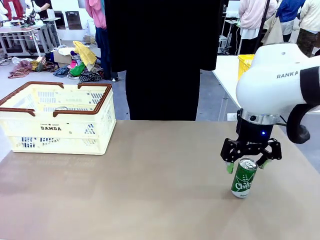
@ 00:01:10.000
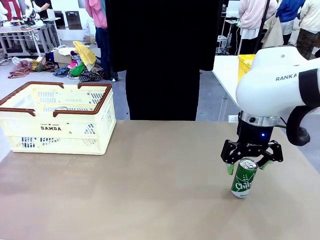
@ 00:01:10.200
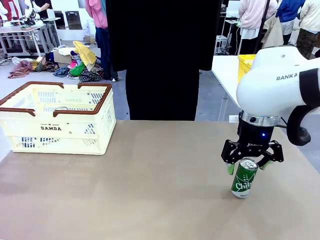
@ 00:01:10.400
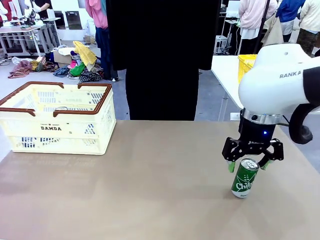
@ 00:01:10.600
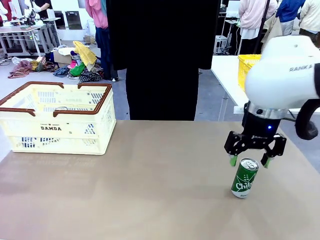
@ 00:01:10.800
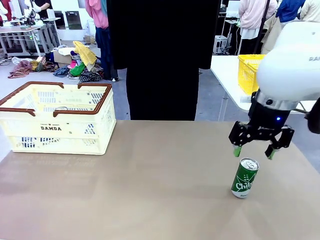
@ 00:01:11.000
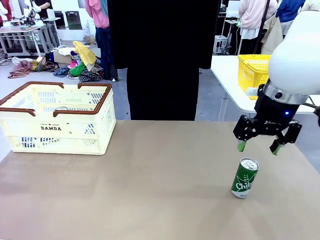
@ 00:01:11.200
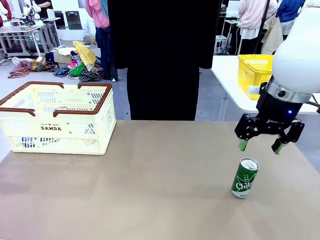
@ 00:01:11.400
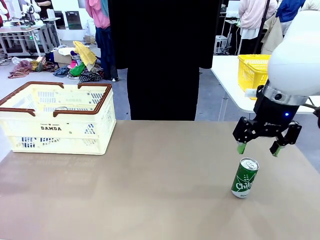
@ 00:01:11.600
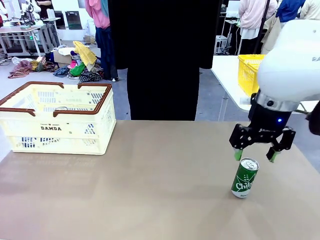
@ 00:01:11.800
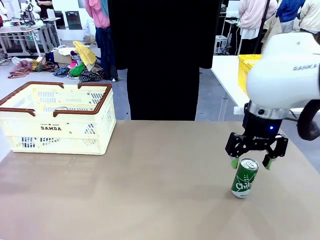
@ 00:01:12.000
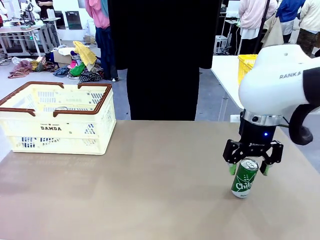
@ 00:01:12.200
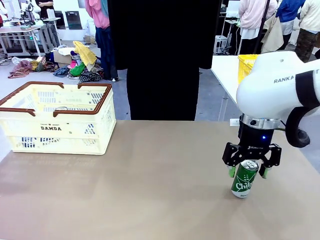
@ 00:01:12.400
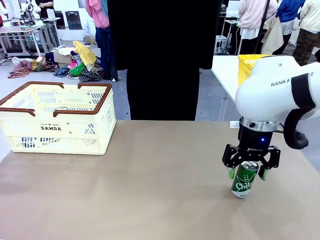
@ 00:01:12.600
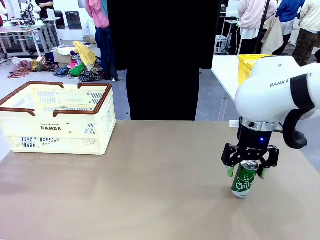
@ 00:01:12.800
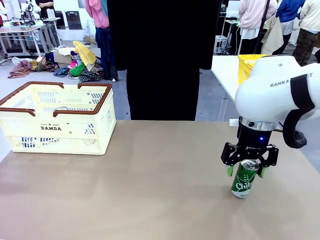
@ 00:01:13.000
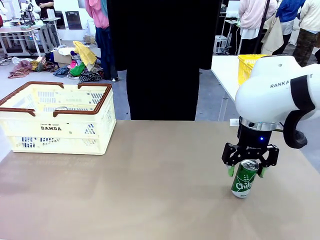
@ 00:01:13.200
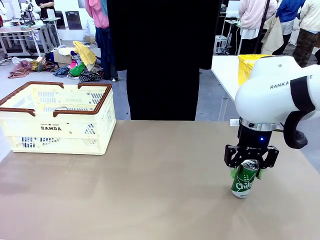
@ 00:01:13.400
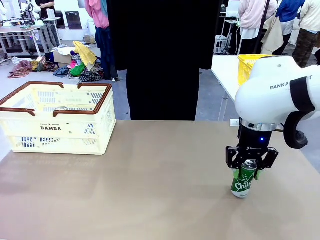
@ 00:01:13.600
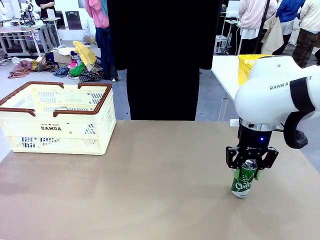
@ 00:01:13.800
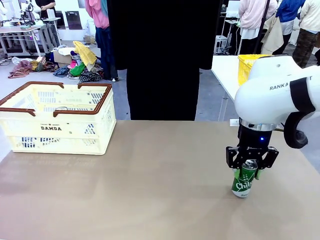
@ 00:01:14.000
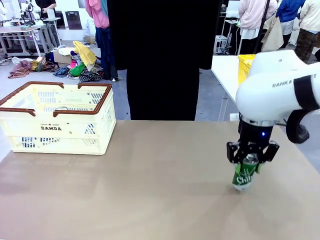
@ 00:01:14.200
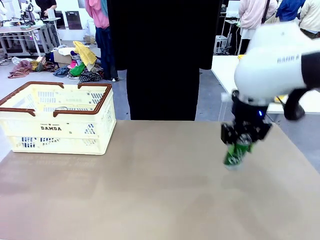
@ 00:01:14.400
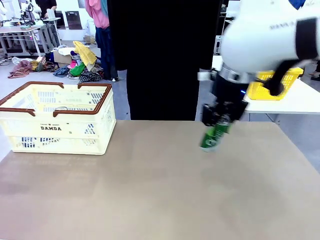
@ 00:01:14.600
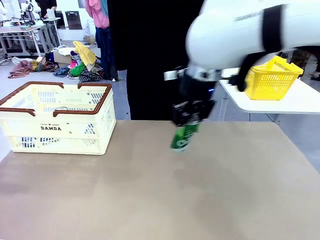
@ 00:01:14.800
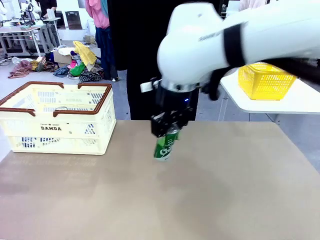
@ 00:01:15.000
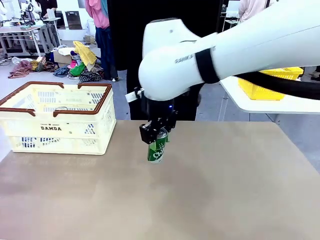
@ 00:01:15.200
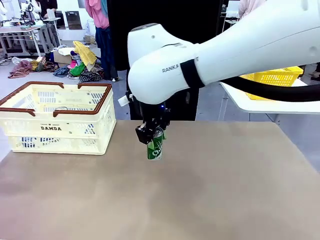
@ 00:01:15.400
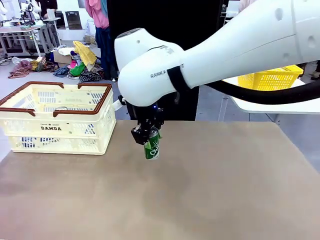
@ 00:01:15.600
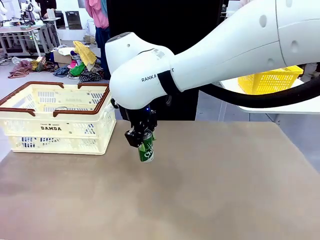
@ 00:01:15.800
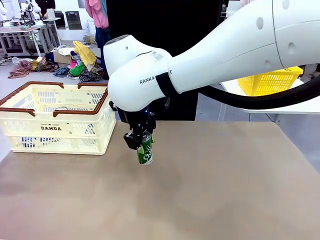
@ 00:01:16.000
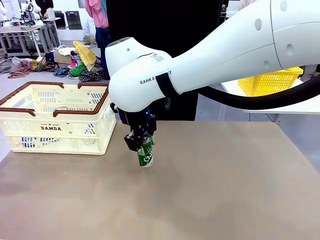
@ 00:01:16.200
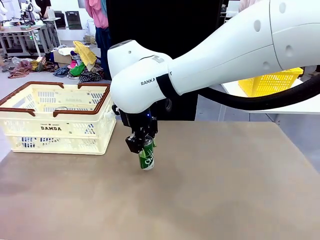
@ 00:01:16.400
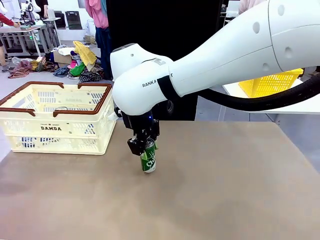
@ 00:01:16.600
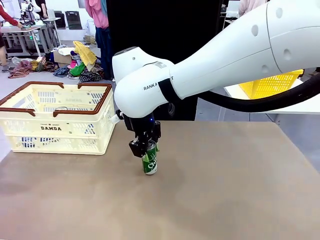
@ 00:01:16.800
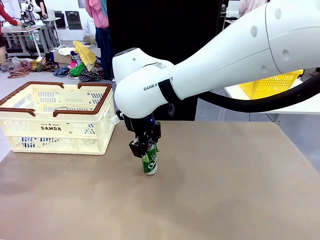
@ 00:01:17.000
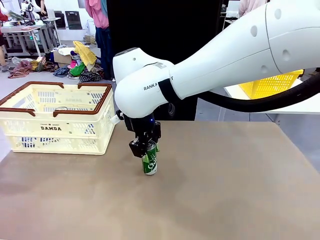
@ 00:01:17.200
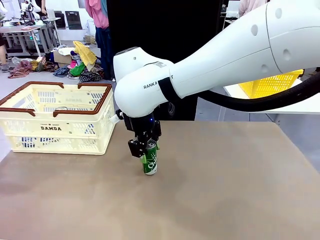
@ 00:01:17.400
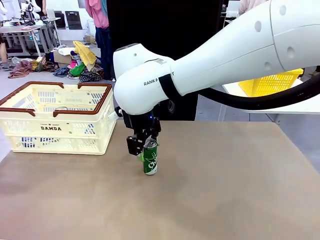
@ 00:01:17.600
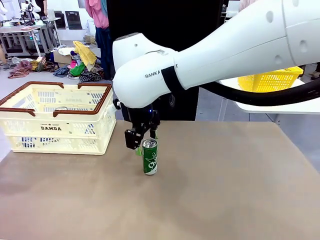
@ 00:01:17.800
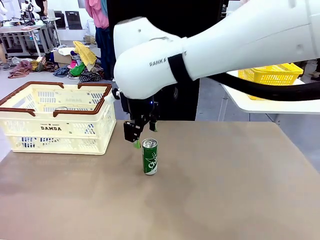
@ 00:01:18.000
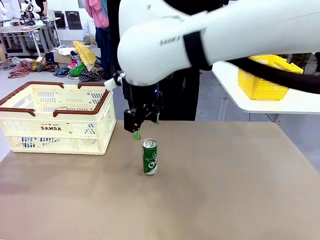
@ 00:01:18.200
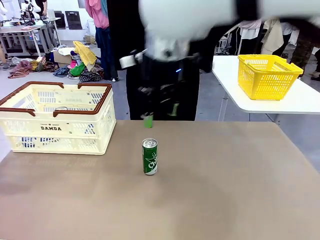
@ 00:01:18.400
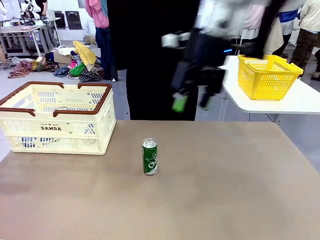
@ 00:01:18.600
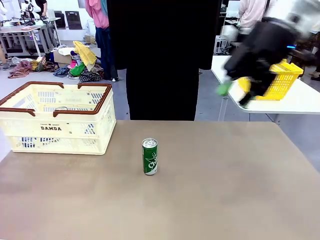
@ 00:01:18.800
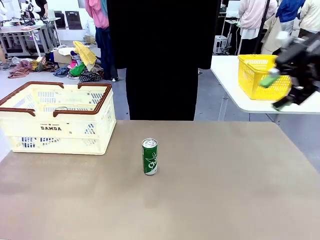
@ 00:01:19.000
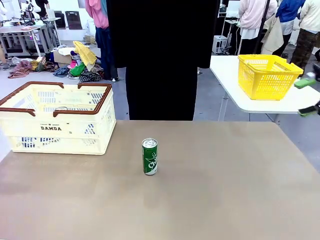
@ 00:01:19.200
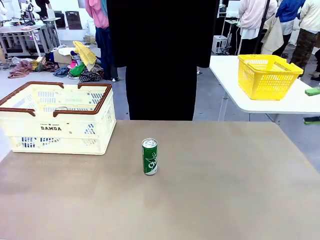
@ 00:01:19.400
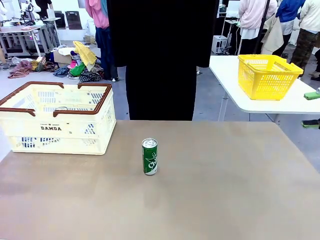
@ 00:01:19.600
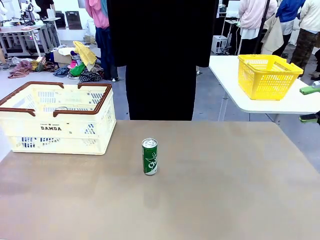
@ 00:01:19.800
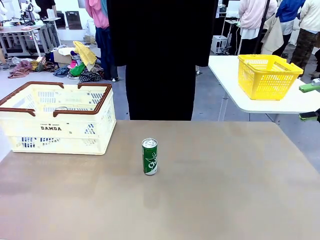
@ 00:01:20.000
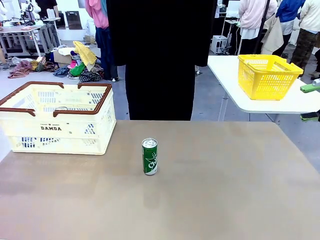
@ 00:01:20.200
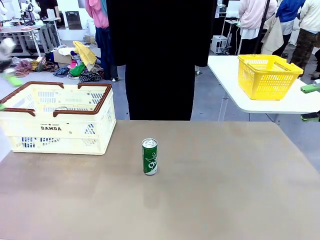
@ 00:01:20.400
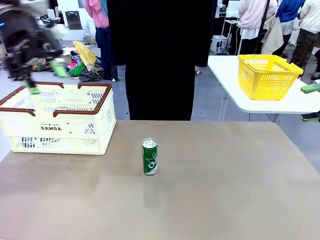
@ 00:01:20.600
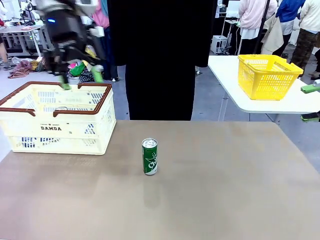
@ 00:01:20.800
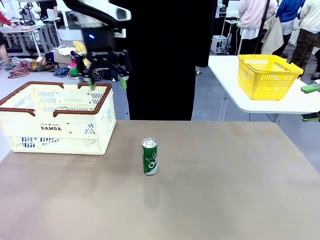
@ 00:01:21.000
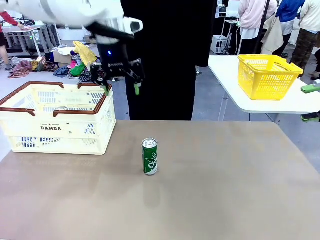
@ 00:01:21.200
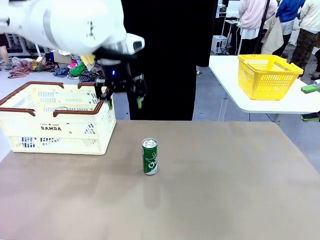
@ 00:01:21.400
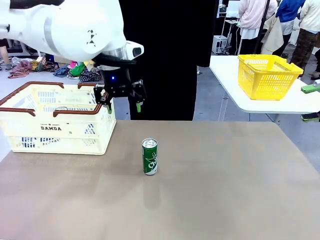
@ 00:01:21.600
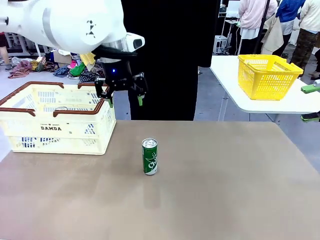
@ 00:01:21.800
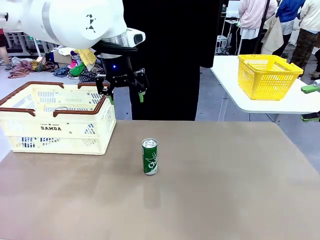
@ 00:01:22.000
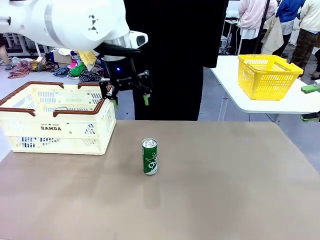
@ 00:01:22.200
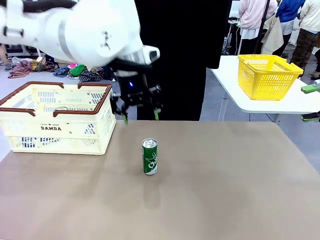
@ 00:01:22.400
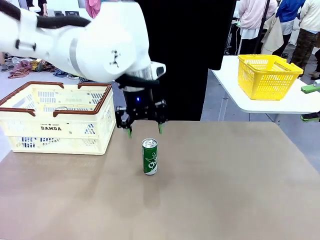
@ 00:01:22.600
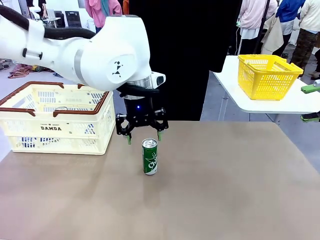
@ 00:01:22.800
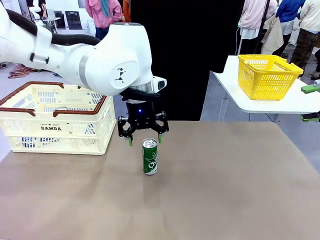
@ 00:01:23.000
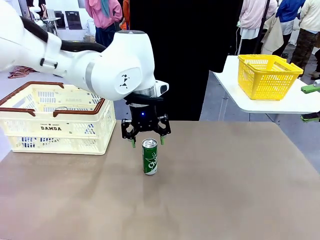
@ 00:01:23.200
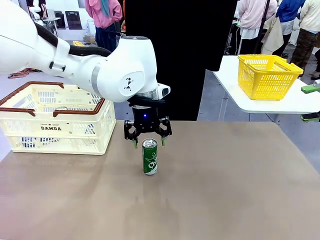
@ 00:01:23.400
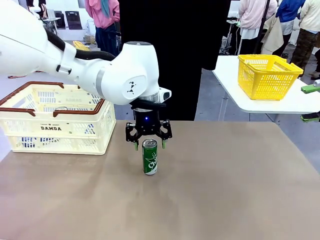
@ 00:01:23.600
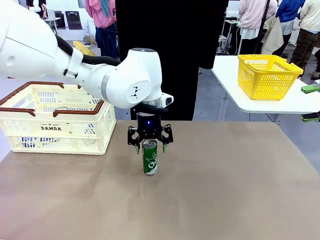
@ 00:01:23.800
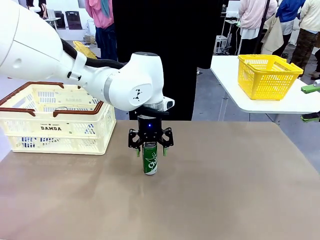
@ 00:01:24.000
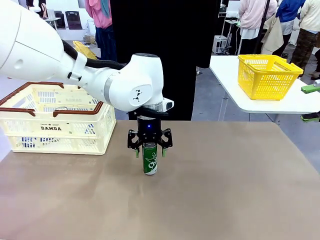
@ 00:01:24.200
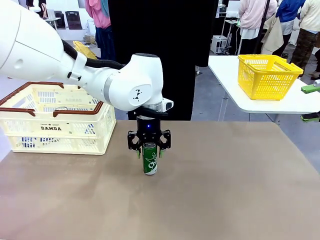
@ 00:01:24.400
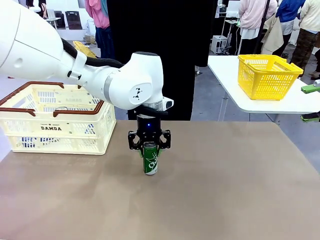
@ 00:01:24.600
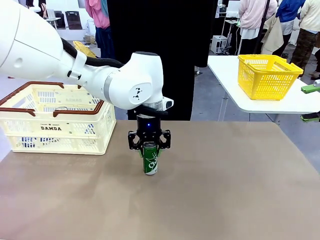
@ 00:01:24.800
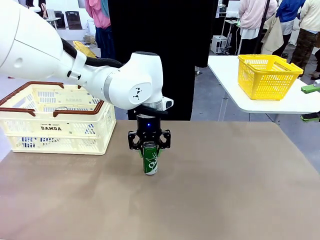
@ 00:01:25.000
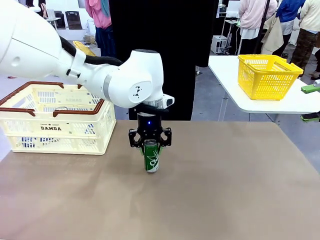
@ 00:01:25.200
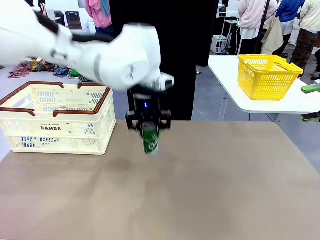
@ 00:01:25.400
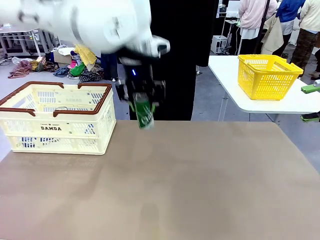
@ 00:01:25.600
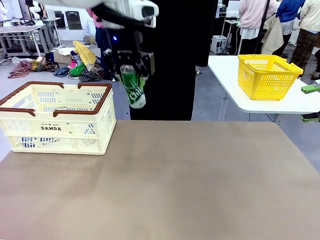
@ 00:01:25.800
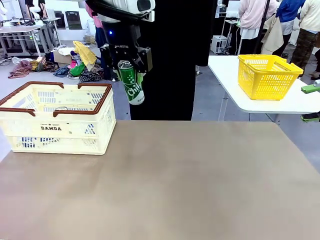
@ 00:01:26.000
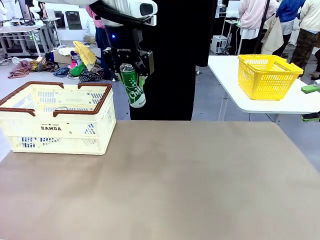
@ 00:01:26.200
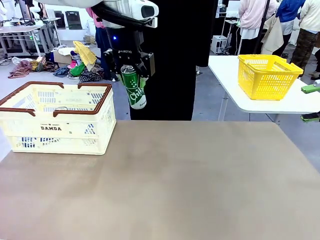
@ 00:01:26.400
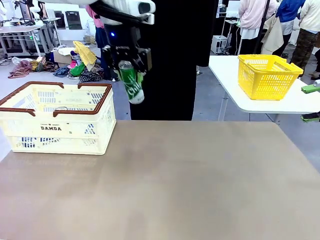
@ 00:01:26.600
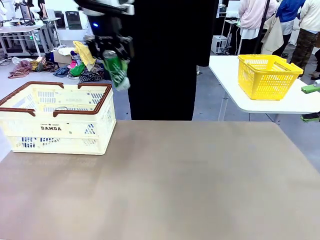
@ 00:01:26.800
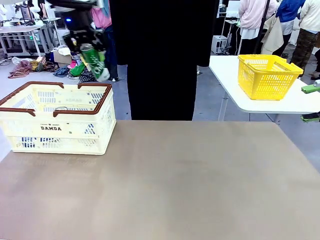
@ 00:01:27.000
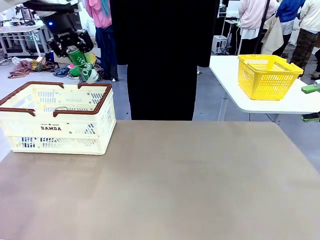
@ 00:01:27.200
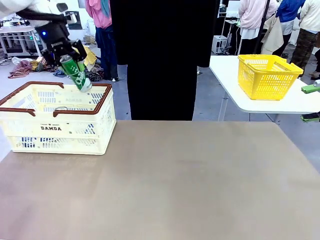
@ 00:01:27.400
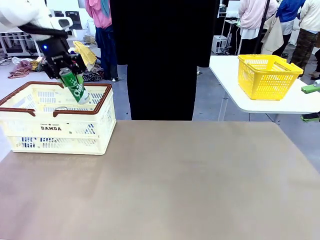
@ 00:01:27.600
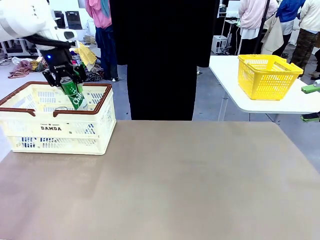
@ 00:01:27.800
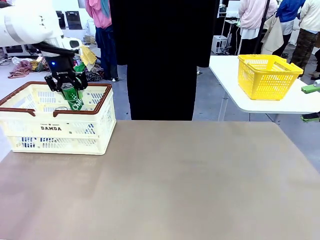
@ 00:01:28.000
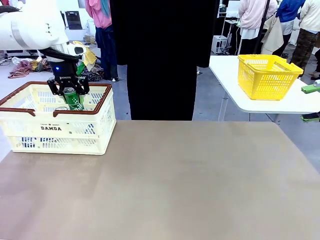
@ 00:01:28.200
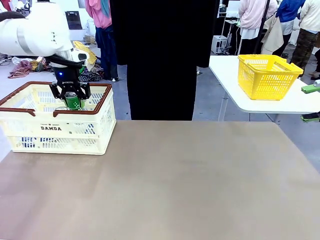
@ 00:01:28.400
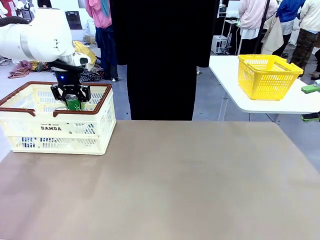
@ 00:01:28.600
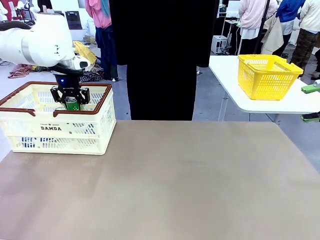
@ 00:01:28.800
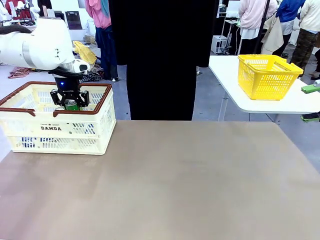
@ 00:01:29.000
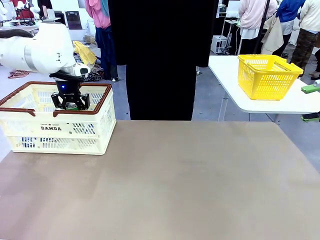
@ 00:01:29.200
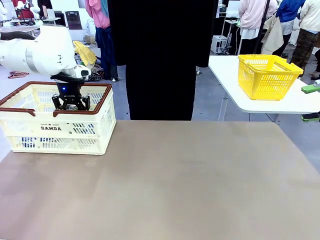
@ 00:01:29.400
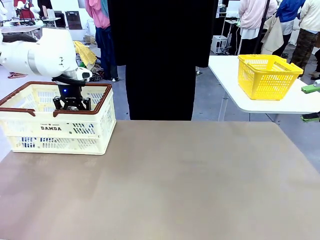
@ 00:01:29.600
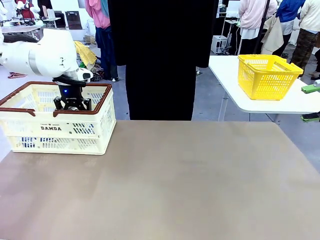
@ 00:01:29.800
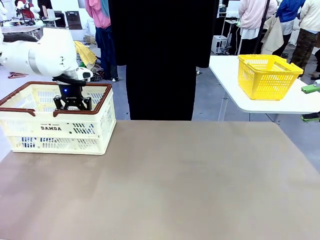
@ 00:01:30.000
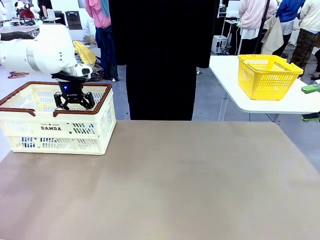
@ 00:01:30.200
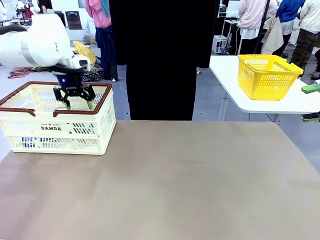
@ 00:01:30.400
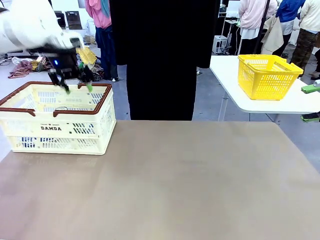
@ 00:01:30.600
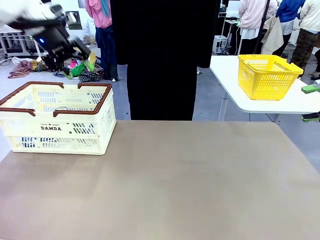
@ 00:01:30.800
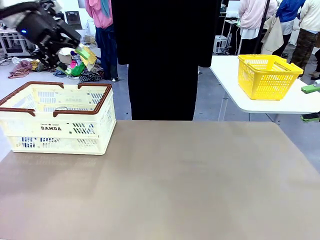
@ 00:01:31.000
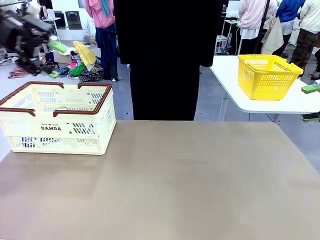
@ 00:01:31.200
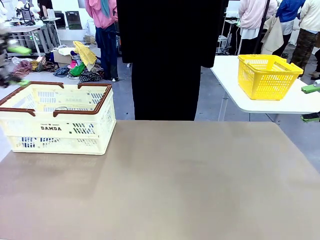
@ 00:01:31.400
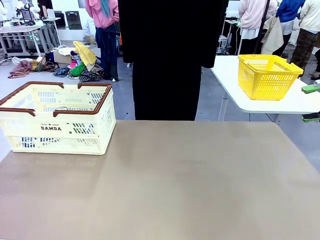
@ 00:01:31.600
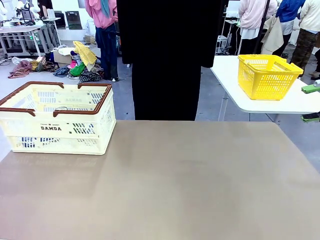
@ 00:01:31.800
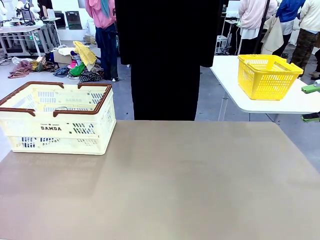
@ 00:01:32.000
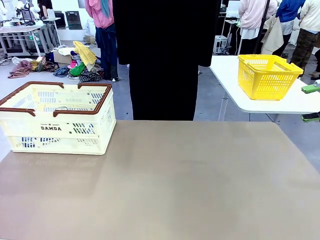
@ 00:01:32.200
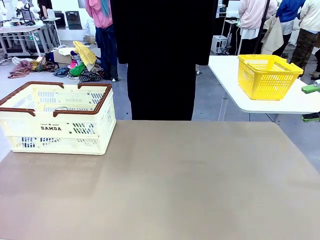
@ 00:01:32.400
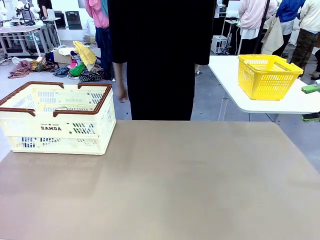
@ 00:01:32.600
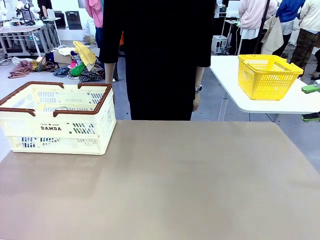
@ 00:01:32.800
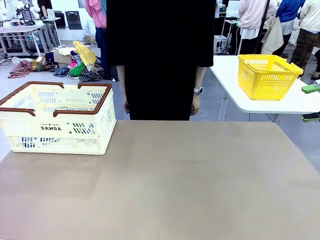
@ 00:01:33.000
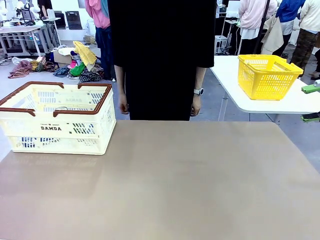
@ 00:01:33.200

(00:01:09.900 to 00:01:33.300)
Task: Place the drinks into the Shopping basket.
Robot: Pick up one drink and place it into the Shopping basket.
